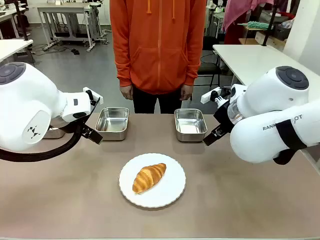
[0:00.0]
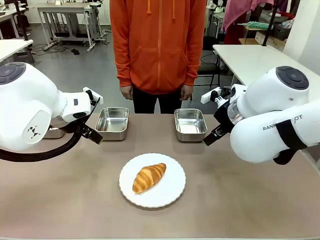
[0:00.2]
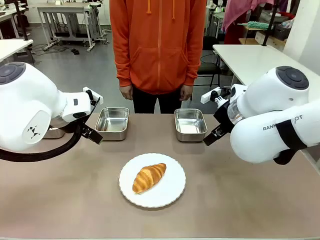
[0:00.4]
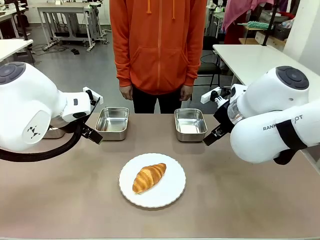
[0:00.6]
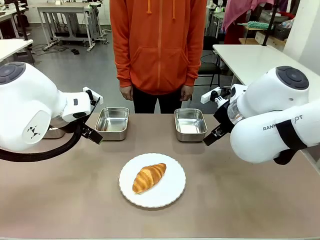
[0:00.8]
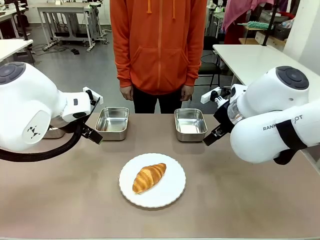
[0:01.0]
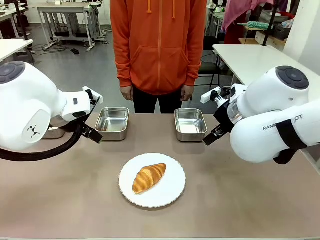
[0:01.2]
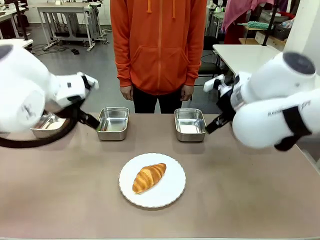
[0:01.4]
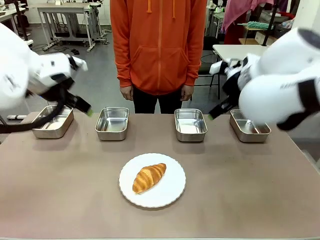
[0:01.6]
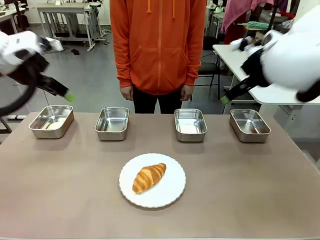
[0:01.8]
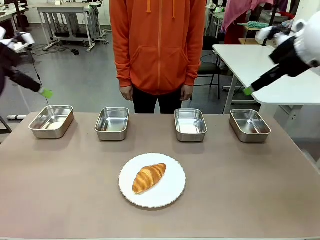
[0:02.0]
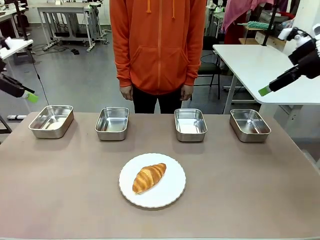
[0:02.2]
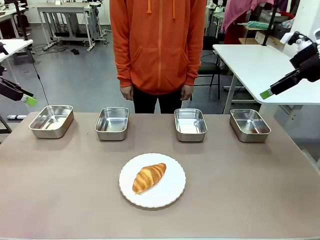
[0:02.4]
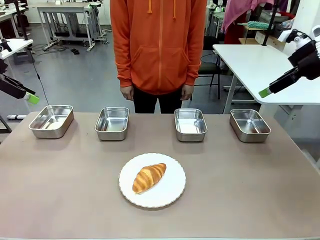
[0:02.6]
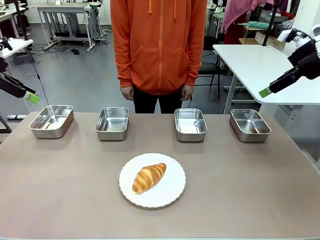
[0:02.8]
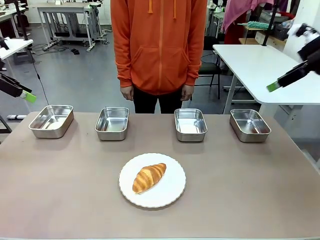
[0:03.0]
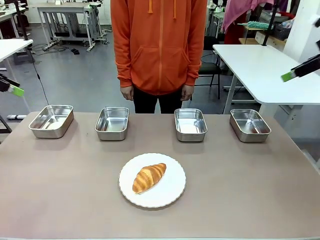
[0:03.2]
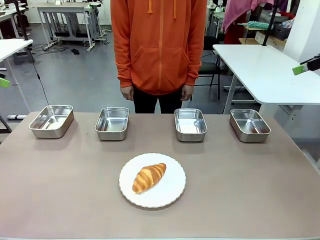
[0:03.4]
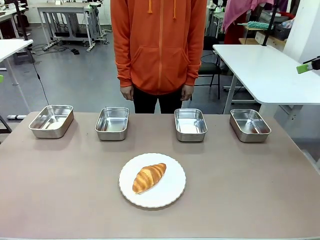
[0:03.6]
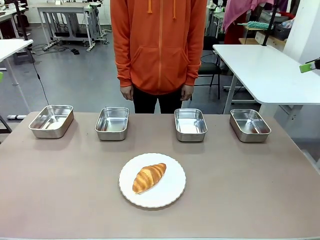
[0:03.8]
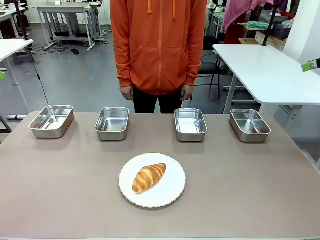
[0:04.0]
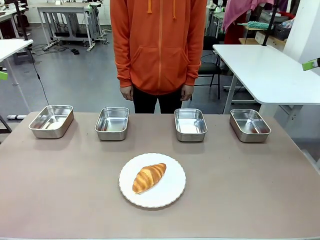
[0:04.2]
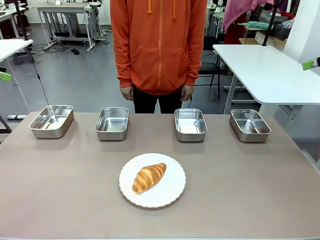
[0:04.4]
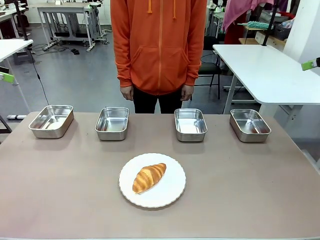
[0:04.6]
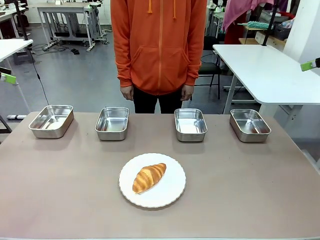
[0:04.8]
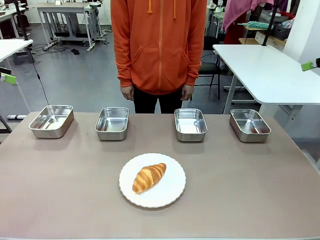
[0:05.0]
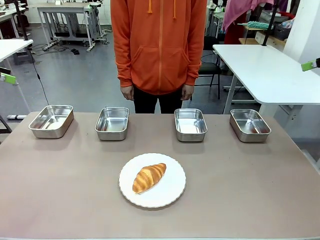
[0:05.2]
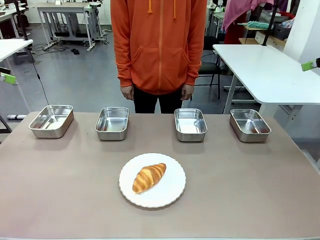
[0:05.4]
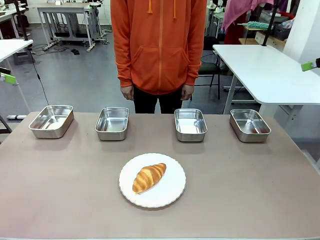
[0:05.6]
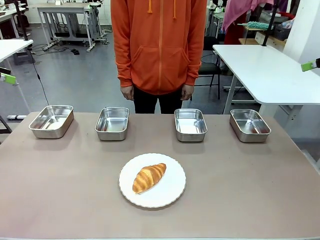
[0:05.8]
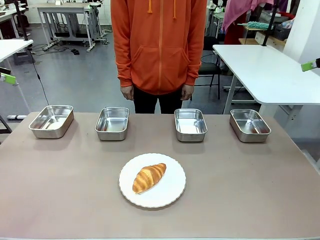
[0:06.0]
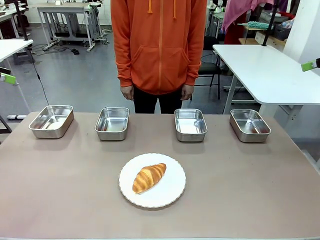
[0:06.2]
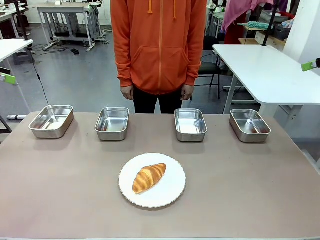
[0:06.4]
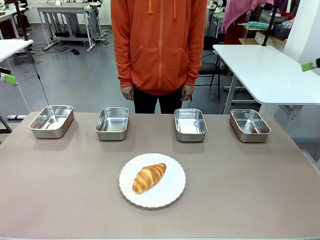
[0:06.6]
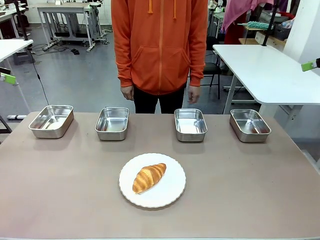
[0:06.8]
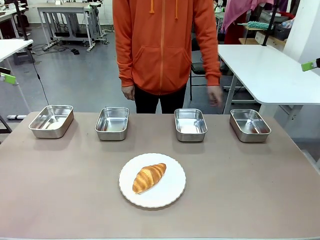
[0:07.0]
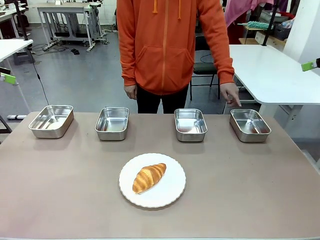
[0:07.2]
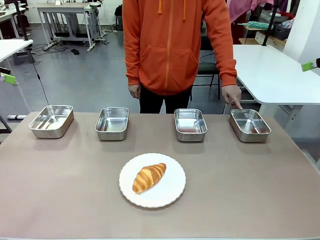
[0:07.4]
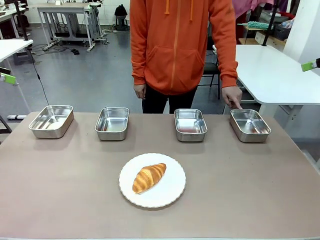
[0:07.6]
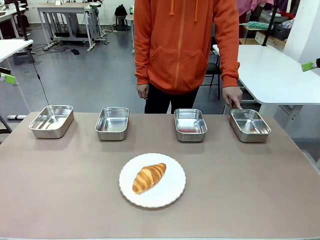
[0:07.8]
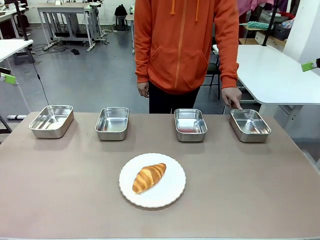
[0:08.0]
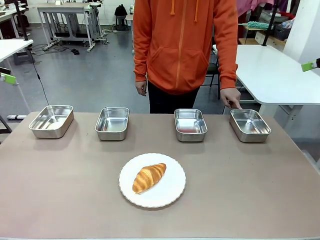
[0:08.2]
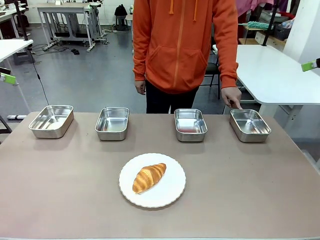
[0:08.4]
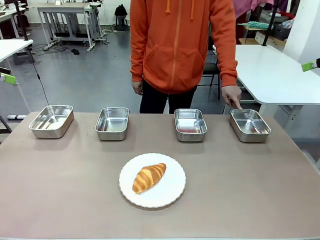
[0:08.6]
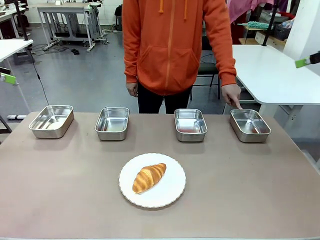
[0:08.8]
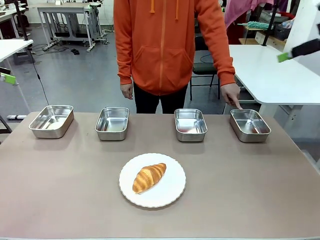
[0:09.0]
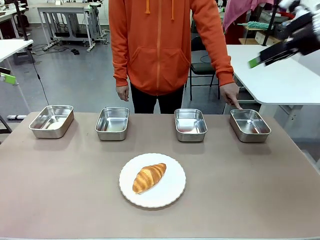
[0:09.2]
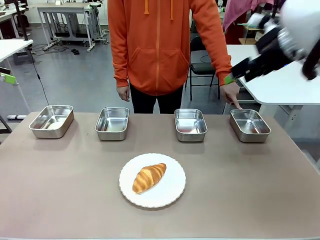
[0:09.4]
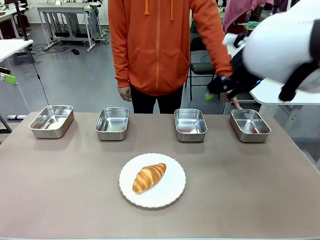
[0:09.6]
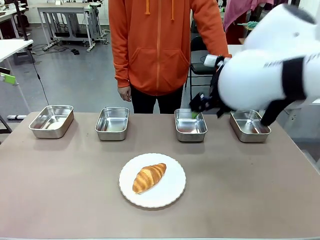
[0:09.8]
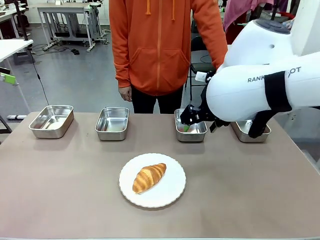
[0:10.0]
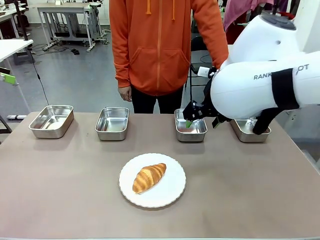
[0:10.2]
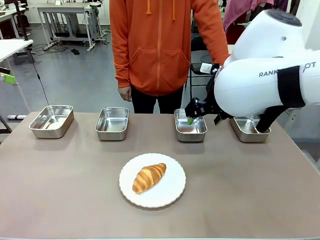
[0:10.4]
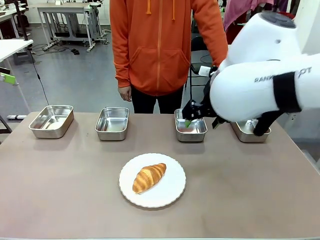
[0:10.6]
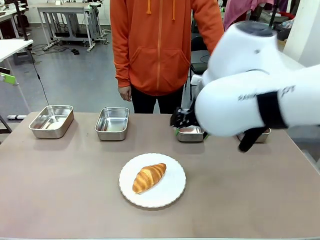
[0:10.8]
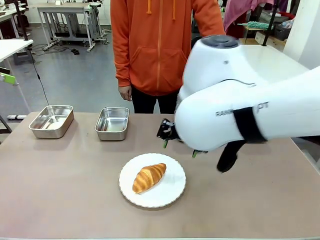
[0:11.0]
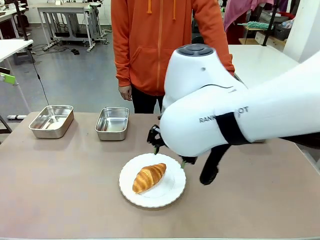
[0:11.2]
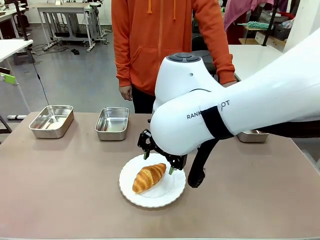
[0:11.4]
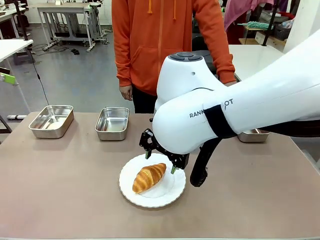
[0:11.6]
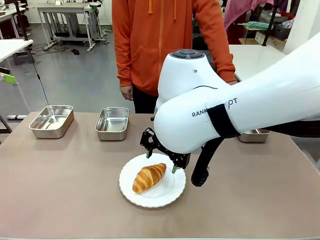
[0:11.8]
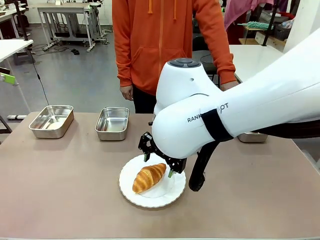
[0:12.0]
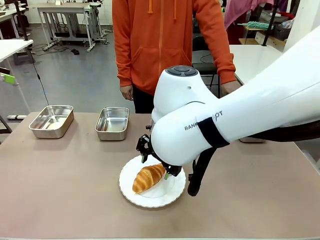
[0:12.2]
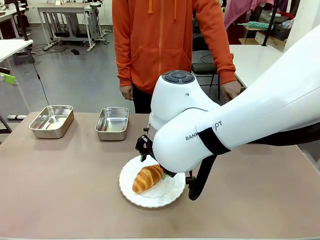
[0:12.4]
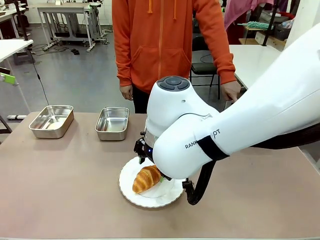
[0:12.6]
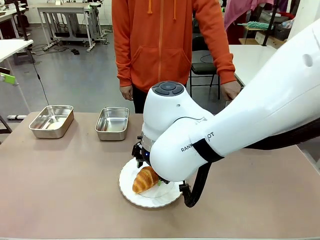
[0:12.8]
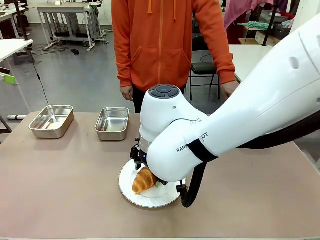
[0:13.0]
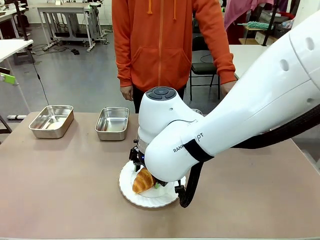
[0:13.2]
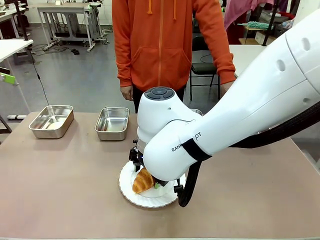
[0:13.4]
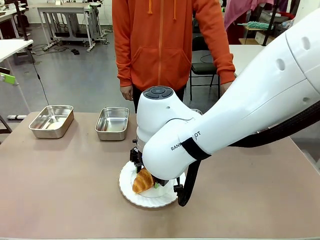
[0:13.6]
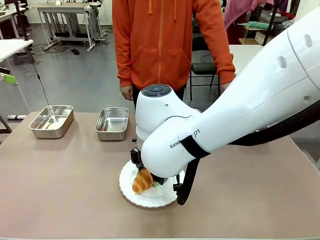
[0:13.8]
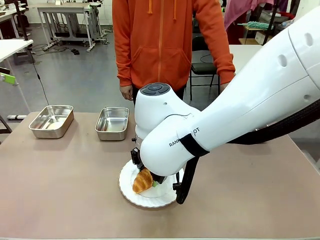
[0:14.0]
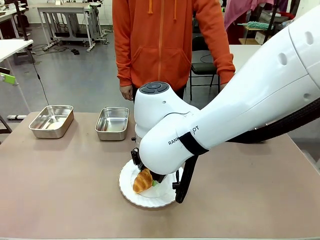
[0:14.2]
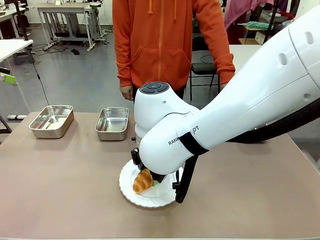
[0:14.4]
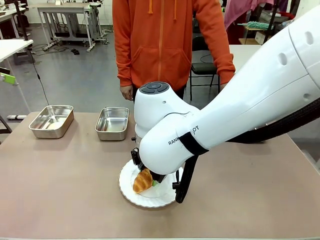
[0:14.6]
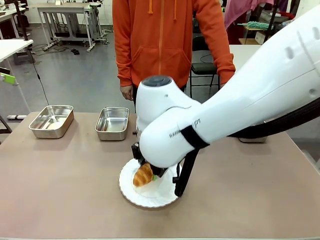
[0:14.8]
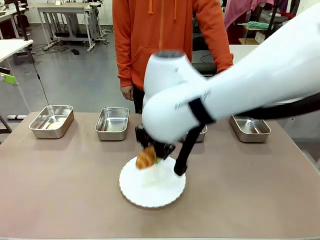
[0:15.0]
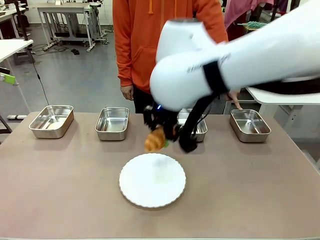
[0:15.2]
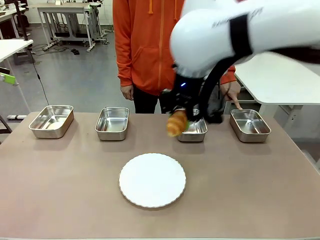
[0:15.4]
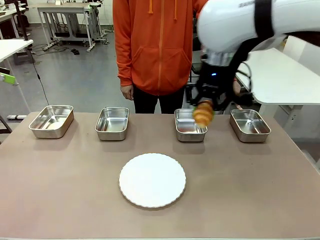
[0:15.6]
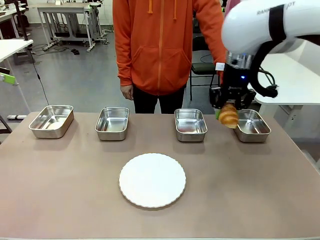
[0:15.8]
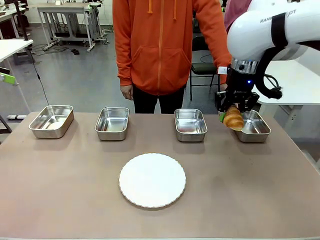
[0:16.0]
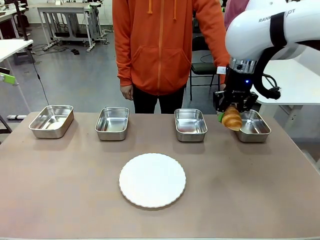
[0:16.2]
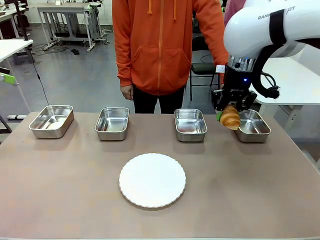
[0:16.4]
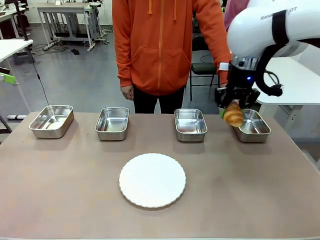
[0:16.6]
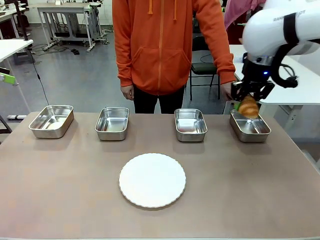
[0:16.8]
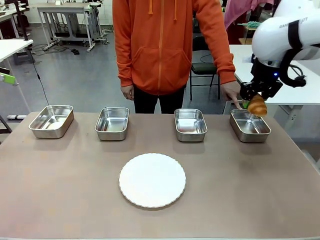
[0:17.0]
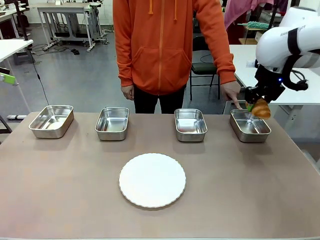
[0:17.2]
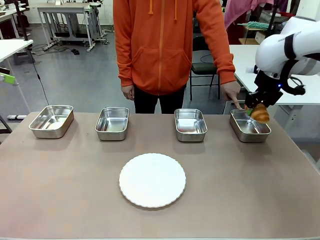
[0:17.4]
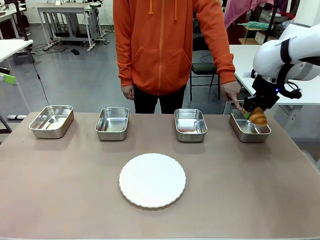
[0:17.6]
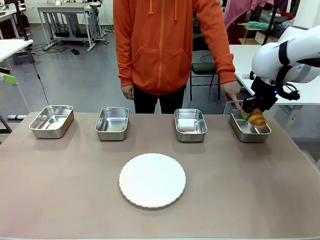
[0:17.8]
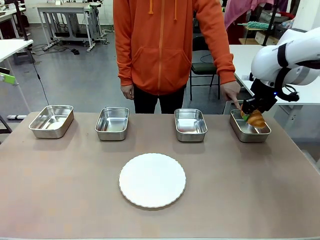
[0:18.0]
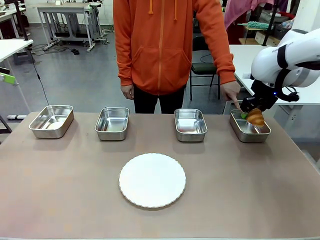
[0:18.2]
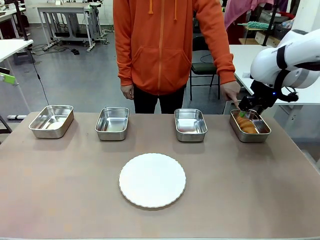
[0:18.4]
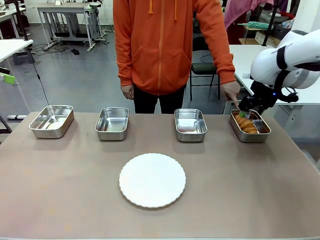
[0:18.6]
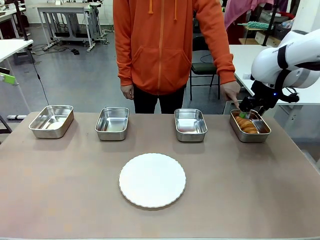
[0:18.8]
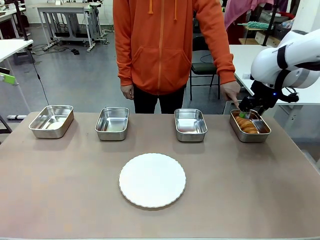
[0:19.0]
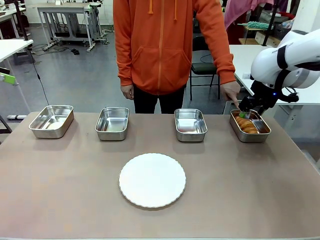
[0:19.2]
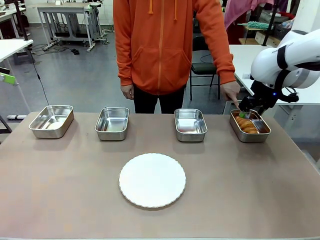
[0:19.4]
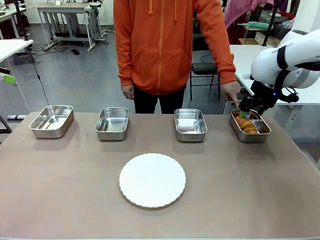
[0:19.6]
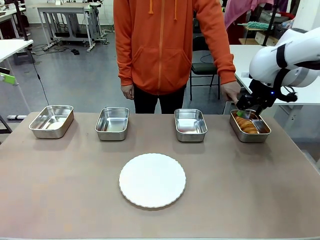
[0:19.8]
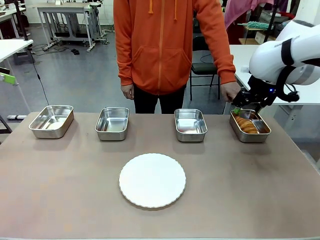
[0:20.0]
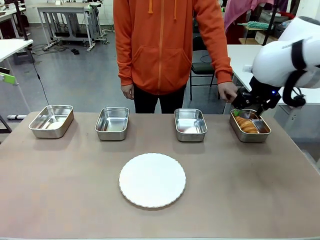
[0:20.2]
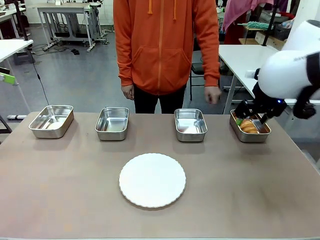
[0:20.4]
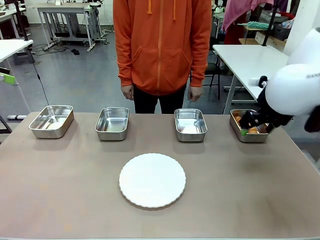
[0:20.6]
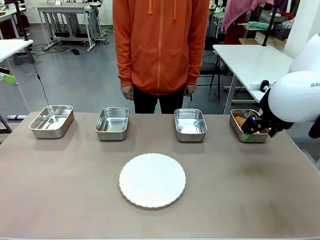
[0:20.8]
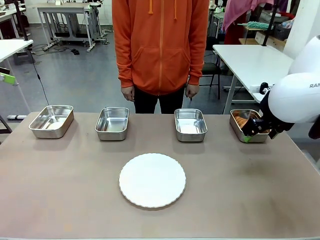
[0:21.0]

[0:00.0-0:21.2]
Task: Place the bread in the container.
Robot: Place the Butter Roll into the Airtight Container indicated by the human.
Person: A person randomly selects and points to an Airtight Container.
